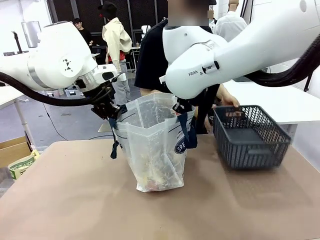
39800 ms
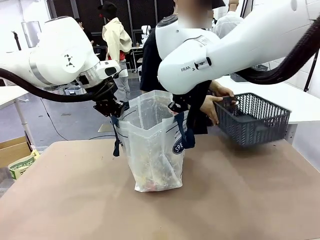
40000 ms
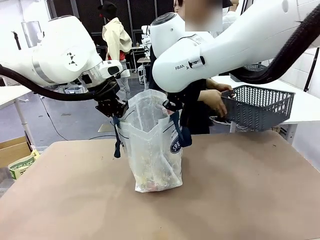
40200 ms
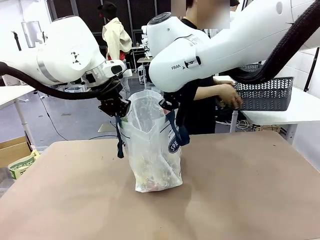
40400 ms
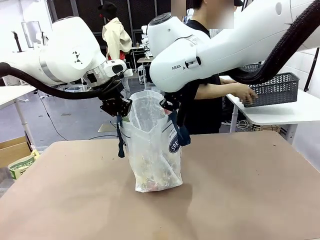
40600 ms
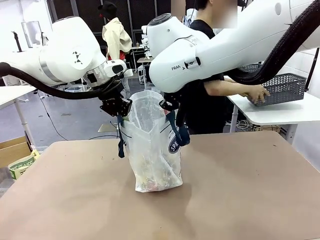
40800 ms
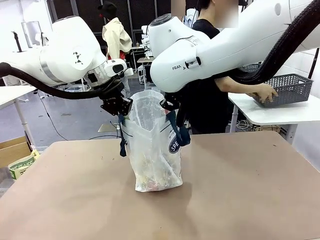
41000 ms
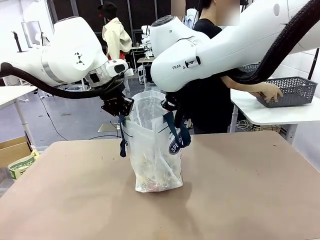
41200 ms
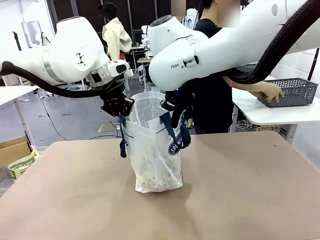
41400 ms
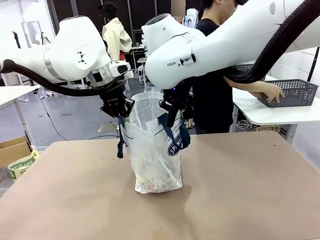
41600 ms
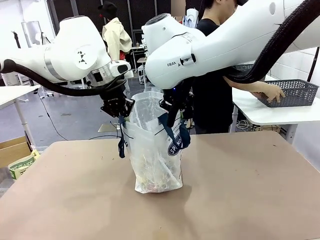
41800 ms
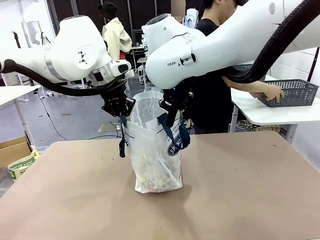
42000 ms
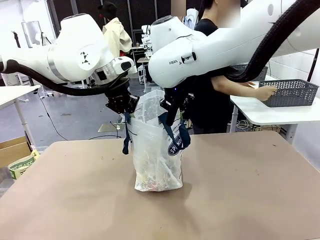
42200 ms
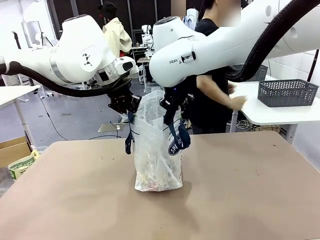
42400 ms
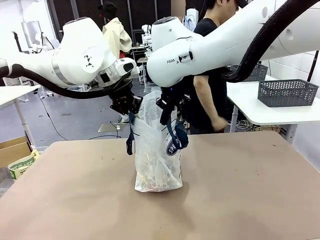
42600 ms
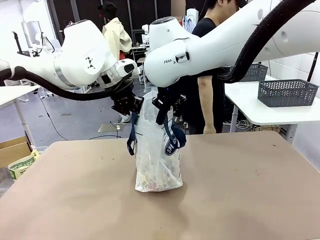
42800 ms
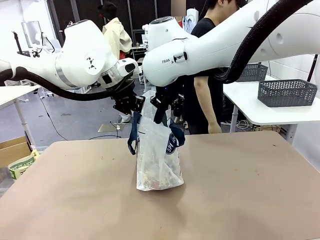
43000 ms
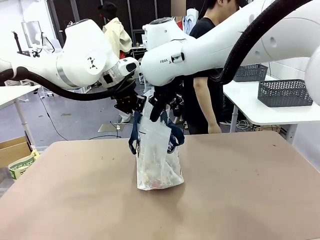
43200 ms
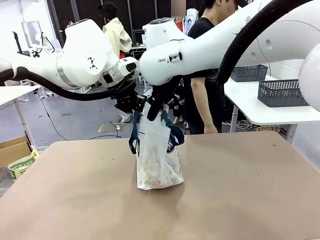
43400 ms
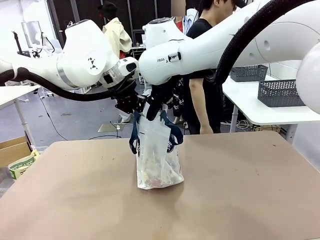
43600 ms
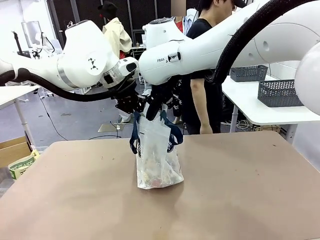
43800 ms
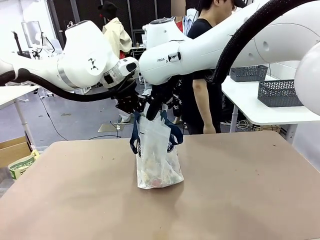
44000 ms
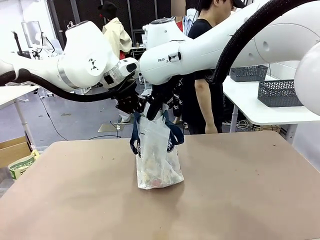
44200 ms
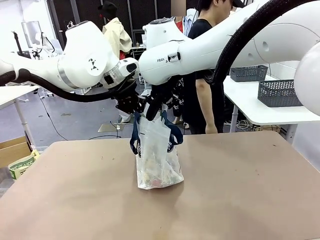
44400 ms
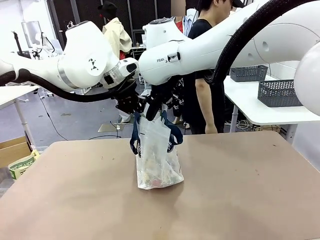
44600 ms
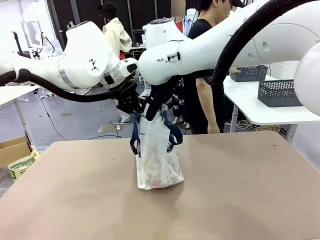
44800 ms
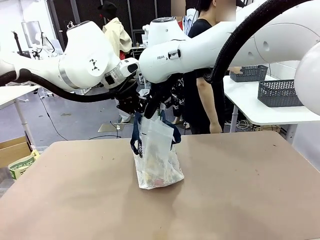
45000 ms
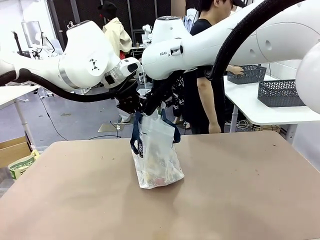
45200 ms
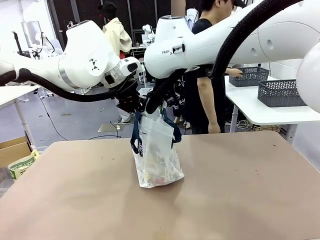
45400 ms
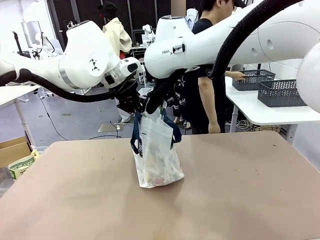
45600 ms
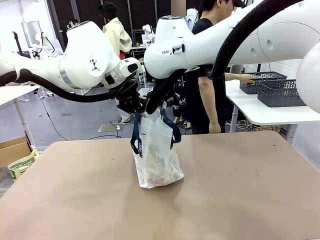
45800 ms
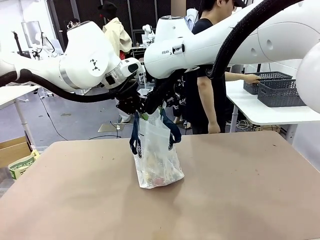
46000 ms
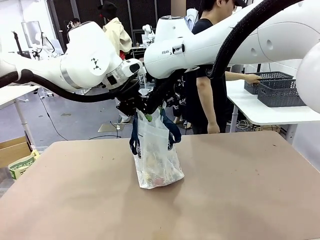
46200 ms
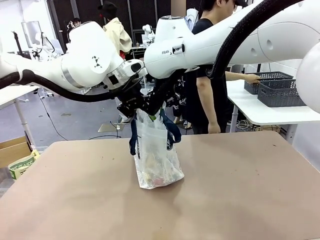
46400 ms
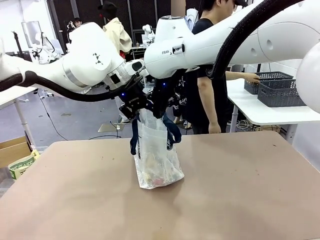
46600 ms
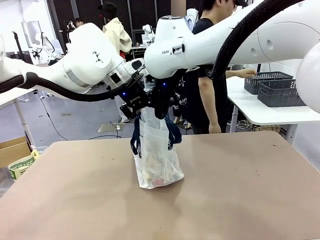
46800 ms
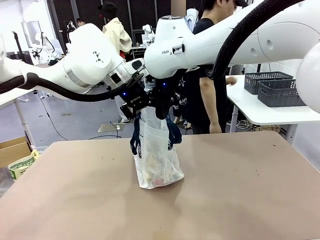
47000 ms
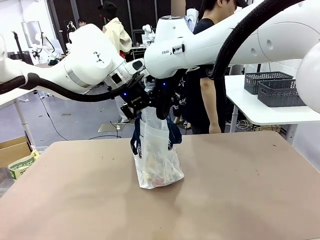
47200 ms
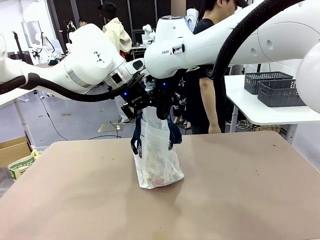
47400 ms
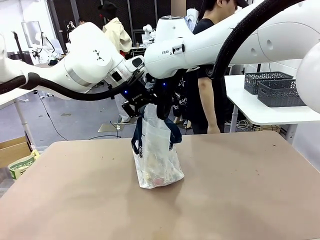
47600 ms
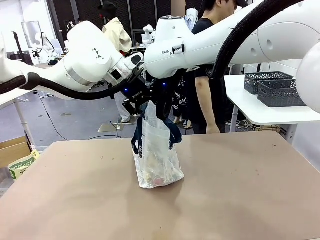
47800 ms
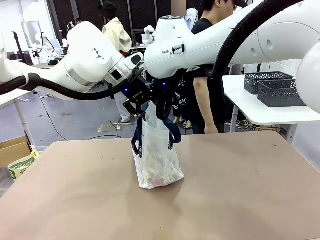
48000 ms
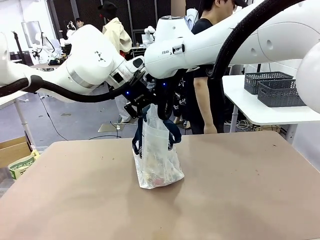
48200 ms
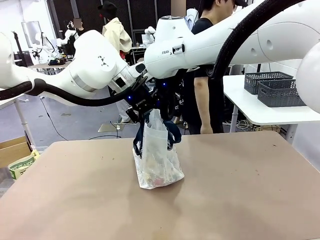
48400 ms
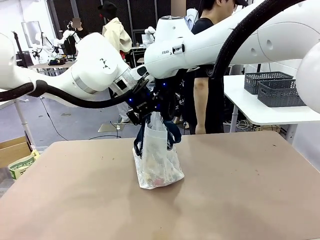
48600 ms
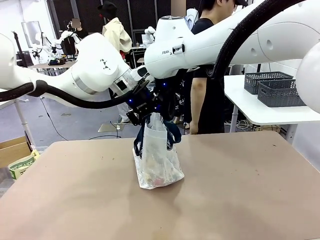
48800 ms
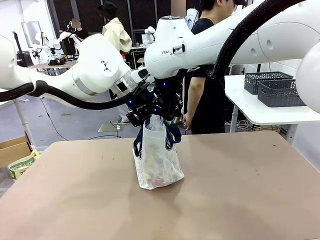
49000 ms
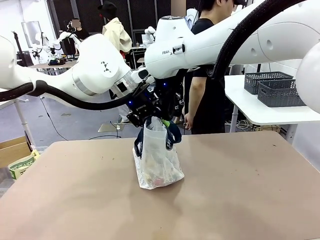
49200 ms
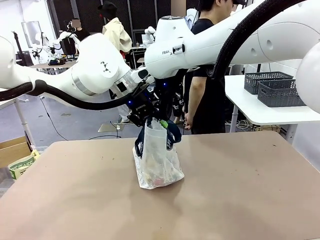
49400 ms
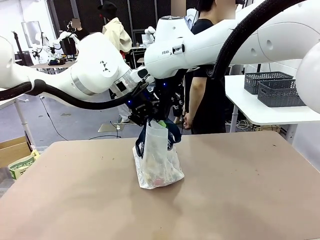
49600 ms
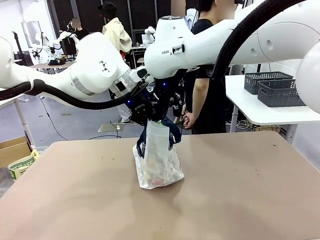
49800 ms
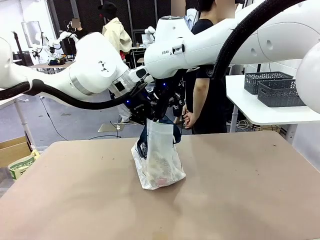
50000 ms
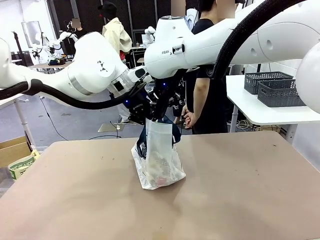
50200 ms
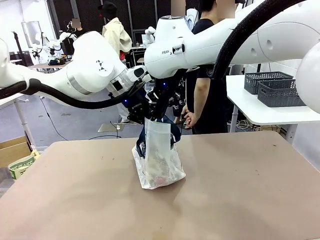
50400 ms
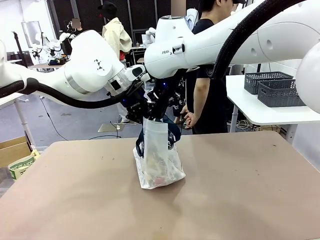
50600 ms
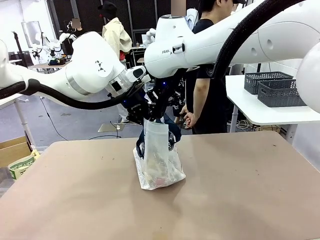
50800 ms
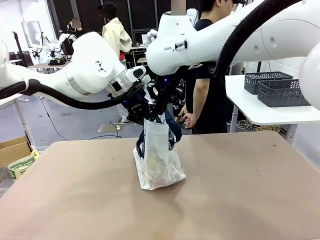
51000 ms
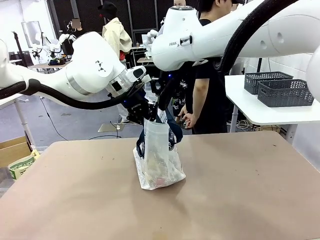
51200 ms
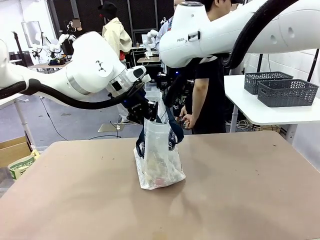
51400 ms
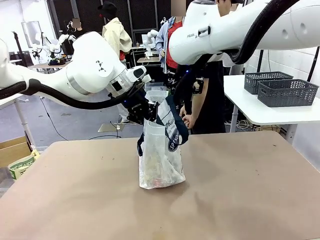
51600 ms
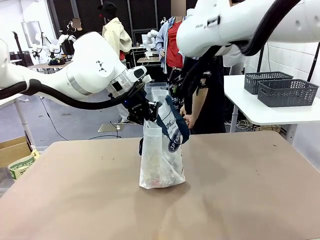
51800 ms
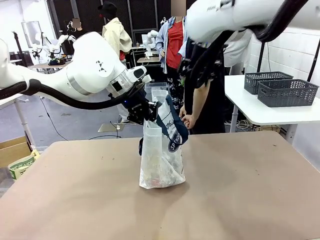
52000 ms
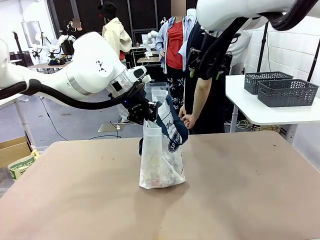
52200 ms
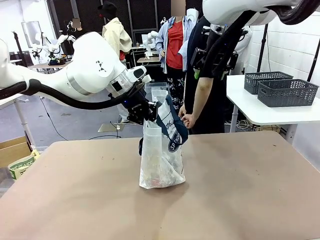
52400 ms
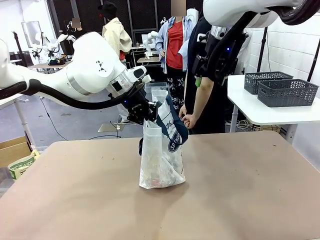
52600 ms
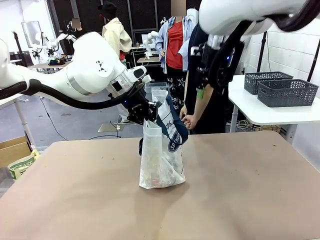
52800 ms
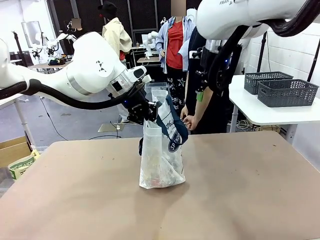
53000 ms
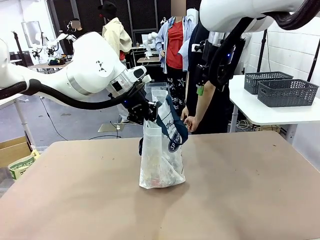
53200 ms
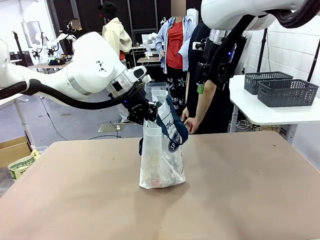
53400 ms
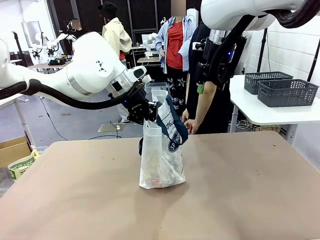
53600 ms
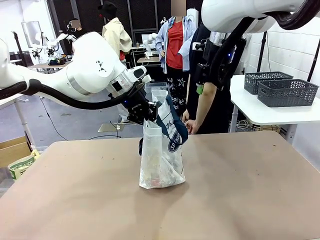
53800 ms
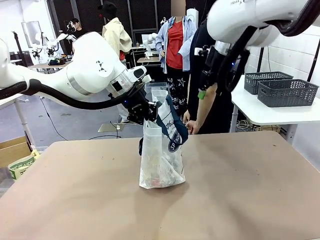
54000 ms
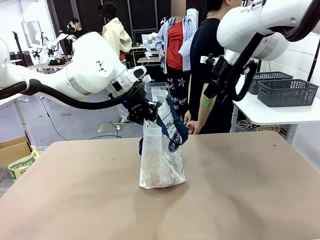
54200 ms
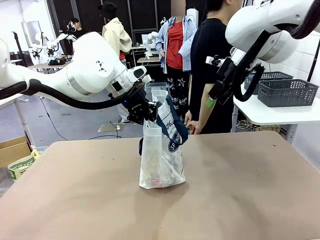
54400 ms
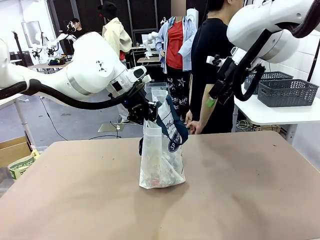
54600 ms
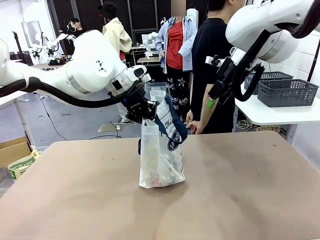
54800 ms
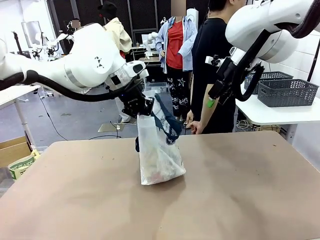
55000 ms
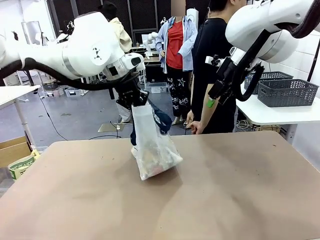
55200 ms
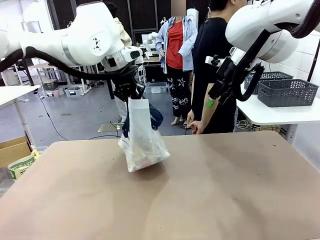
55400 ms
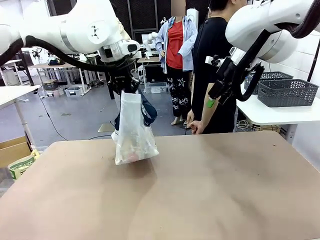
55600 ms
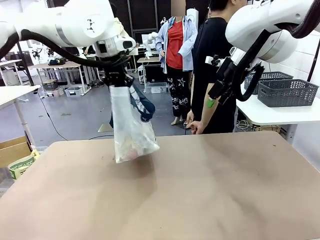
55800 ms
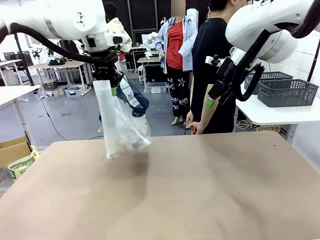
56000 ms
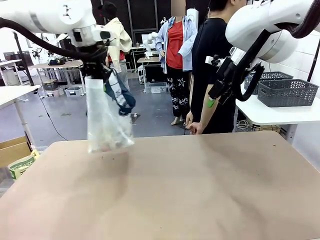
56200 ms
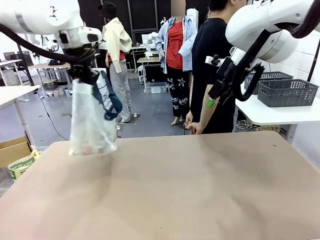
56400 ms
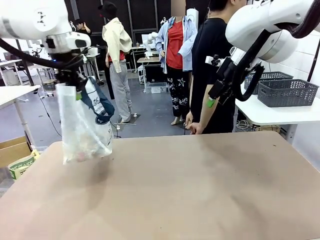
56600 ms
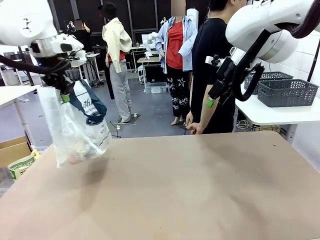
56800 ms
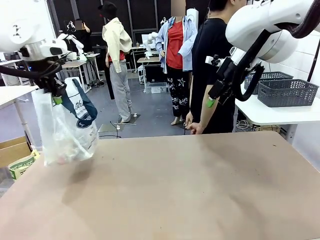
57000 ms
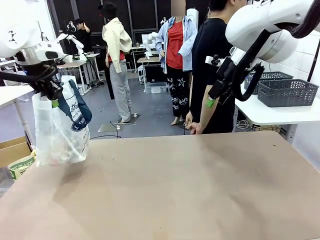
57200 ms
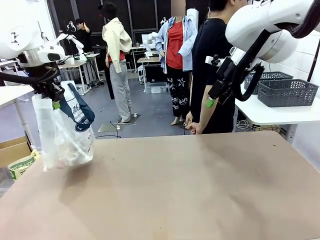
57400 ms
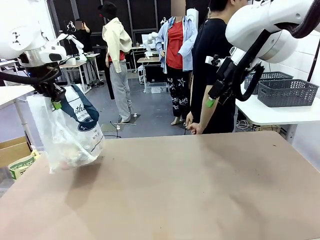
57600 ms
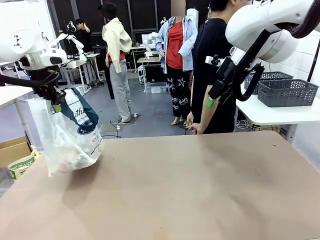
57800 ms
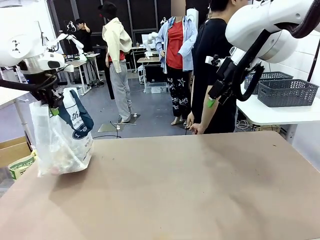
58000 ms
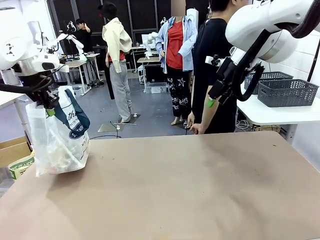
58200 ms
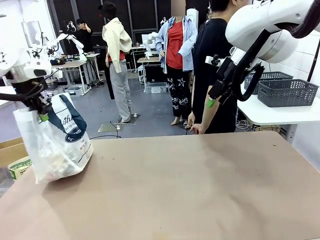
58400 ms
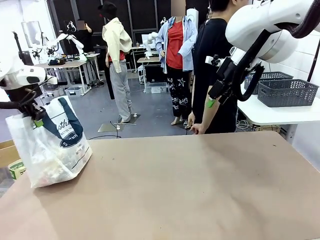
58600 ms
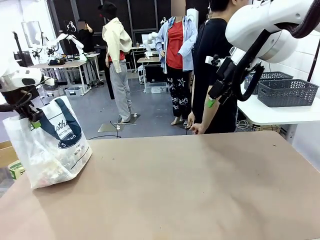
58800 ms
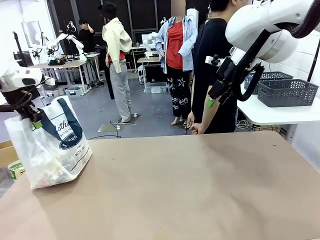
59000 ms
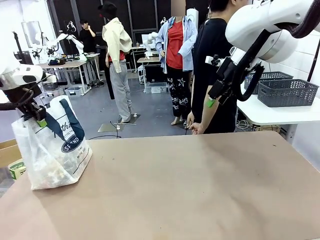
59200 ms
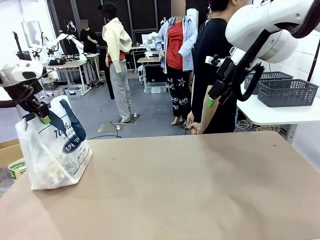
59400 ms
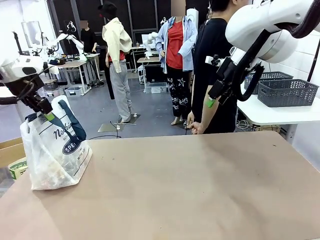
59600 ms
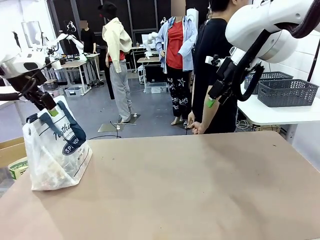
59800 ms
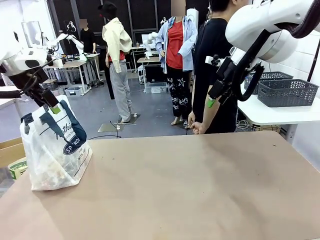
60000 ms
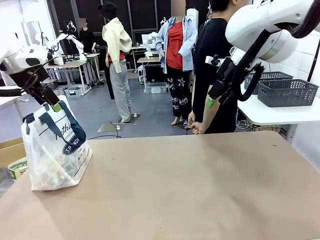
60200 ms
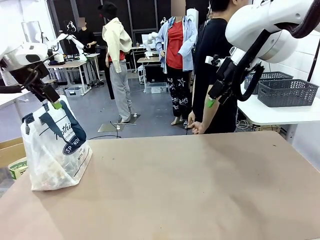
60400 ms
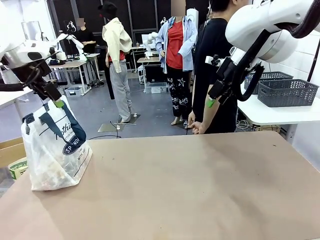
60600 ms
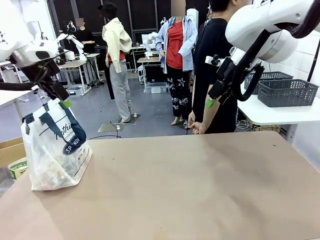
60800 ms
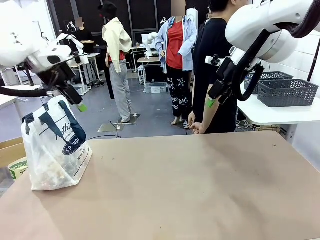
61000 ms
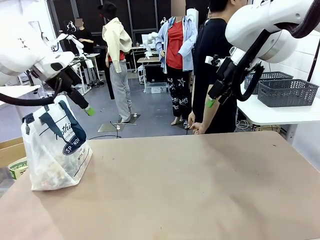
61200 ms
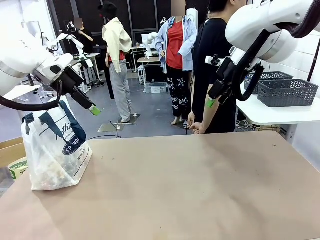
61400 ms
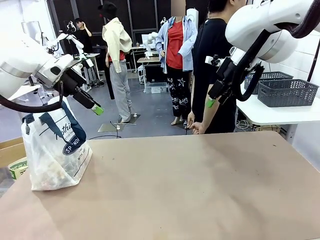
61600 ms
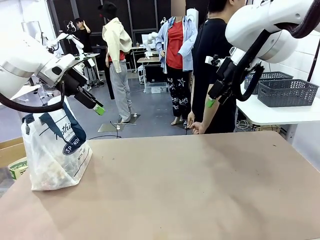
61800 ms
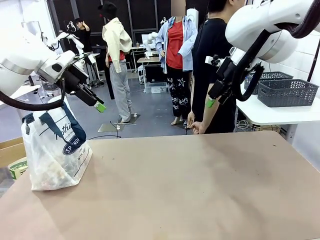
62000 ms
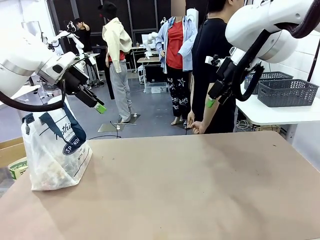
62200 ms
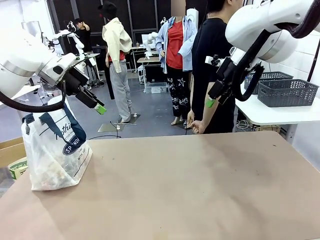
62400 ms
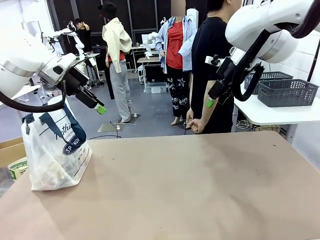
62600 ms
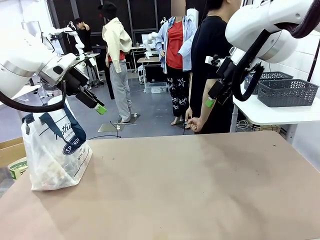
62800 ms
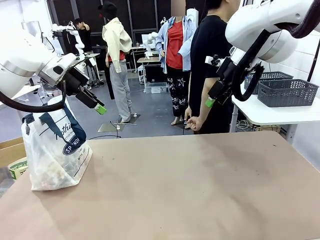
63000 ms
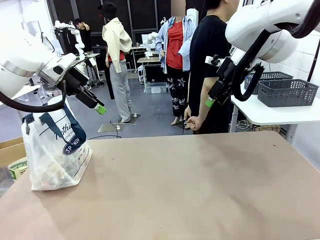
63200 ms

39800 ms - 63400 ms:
Task: Transfer purchased items from the store into the shopping bag.
Robot: Move the Reusable shopping bag to the right side of the table.
Person: Pick up the basket with the items out and place it on the right side of the human table. Move the basket on the left to the middle of the person's table.
